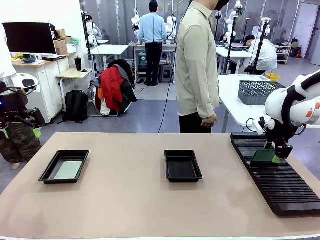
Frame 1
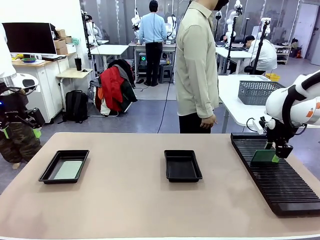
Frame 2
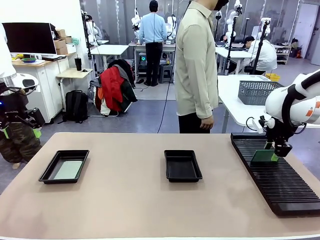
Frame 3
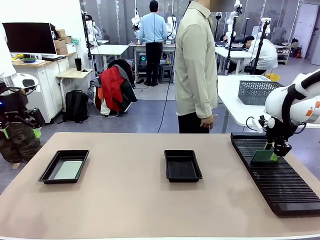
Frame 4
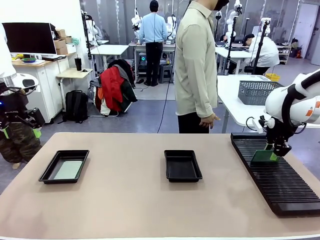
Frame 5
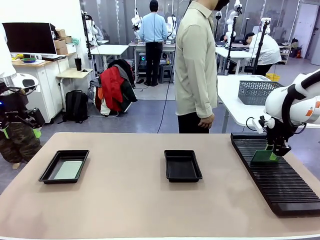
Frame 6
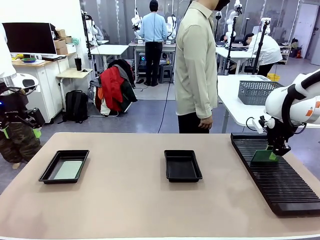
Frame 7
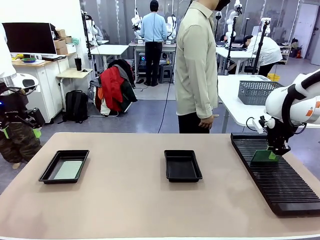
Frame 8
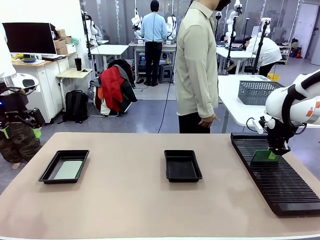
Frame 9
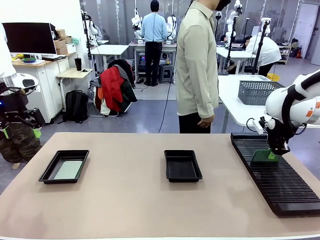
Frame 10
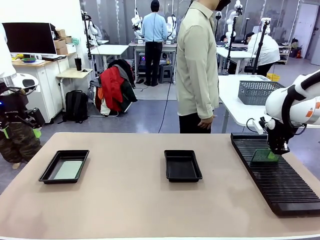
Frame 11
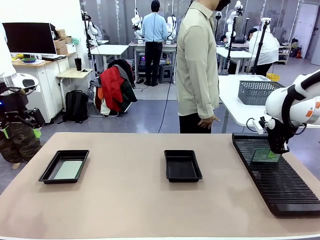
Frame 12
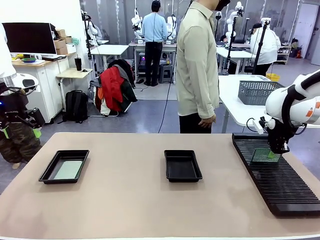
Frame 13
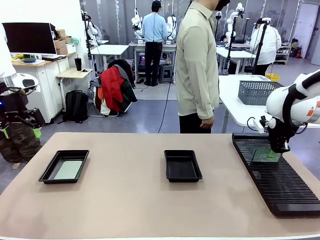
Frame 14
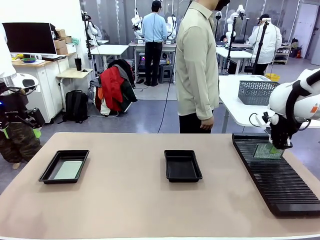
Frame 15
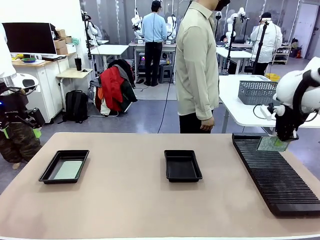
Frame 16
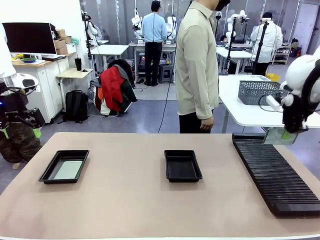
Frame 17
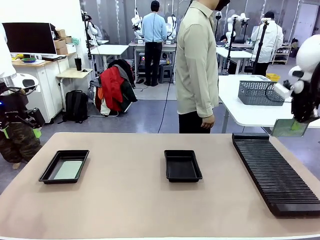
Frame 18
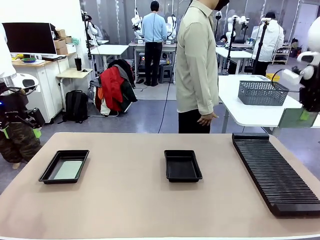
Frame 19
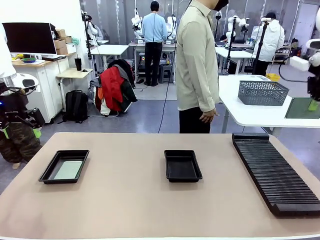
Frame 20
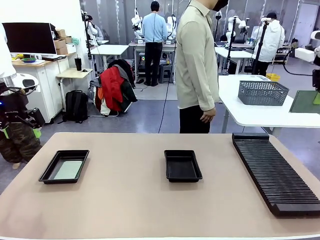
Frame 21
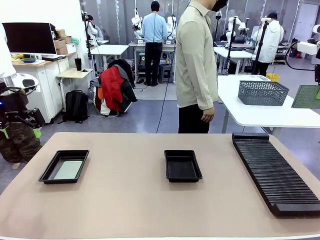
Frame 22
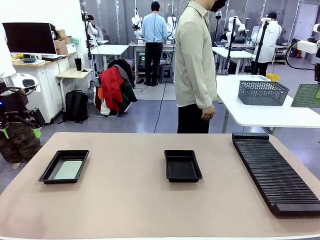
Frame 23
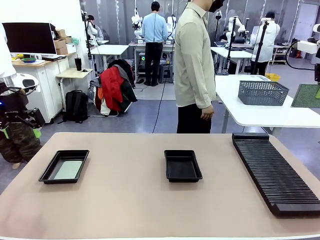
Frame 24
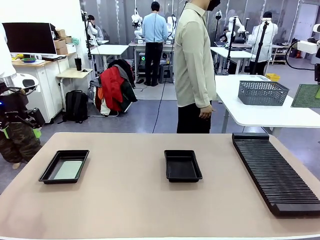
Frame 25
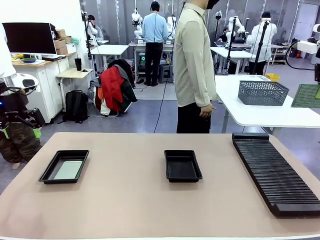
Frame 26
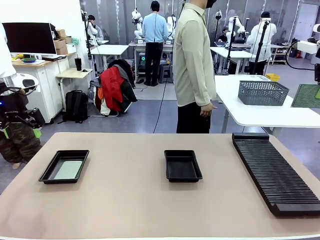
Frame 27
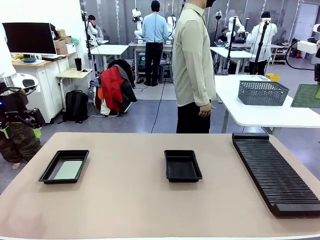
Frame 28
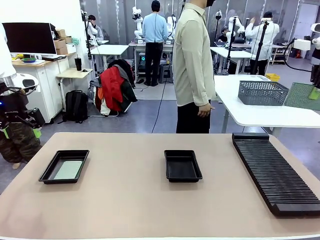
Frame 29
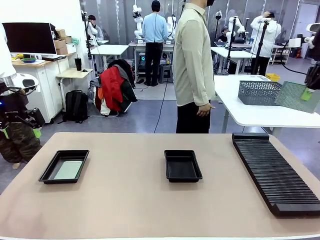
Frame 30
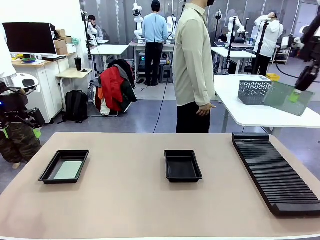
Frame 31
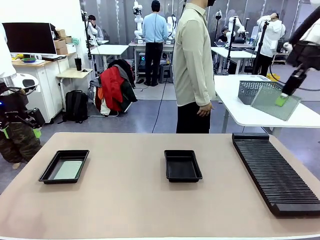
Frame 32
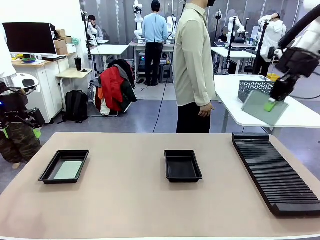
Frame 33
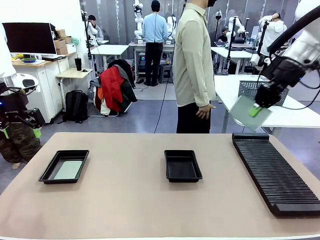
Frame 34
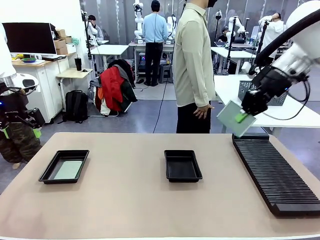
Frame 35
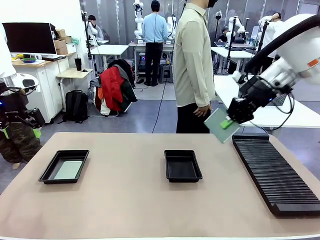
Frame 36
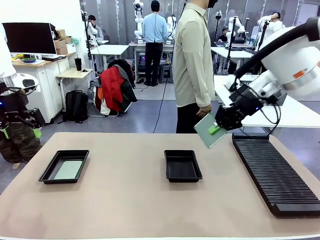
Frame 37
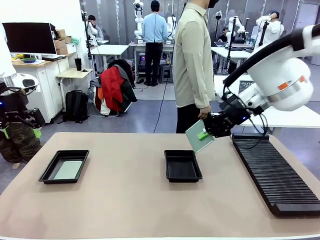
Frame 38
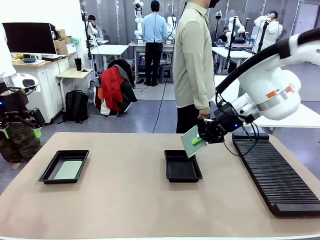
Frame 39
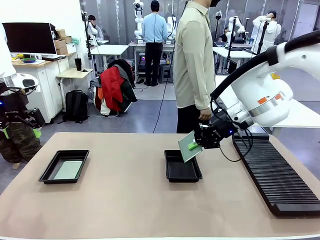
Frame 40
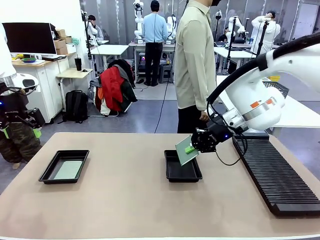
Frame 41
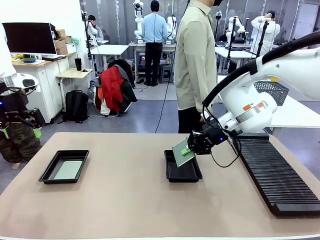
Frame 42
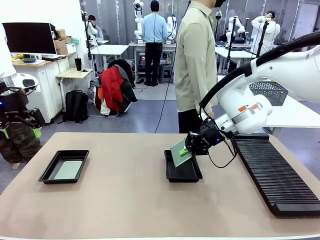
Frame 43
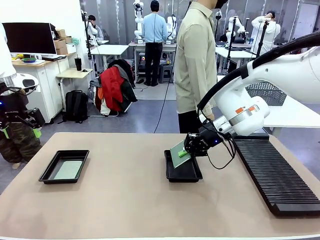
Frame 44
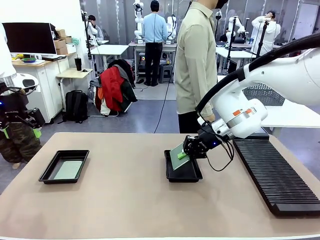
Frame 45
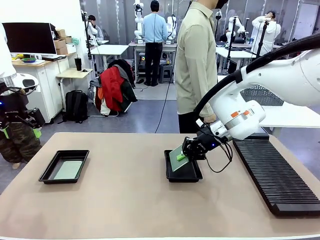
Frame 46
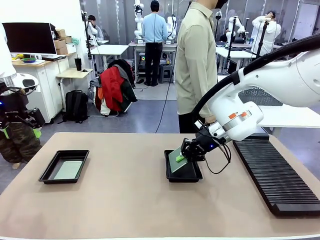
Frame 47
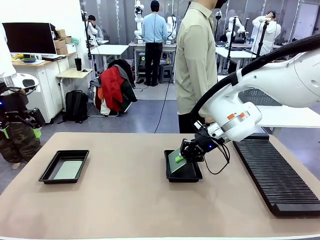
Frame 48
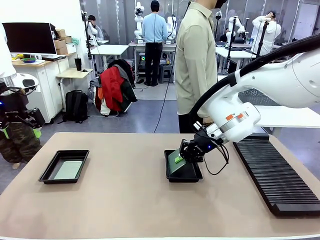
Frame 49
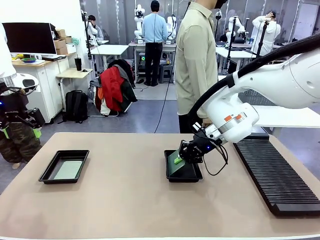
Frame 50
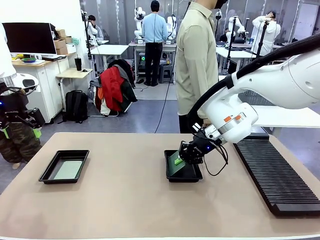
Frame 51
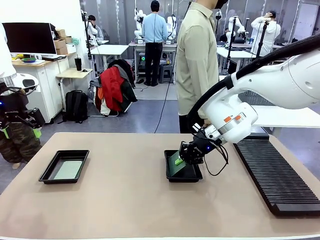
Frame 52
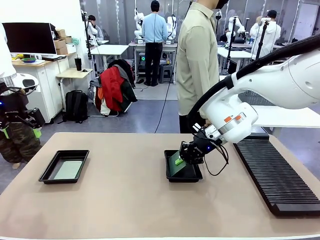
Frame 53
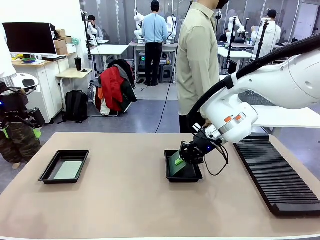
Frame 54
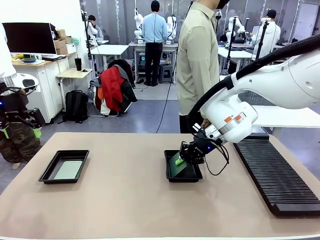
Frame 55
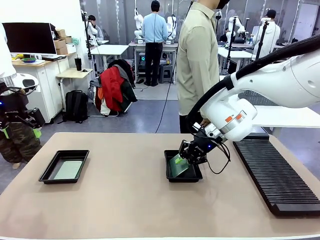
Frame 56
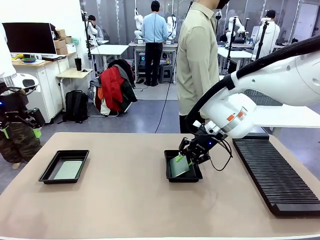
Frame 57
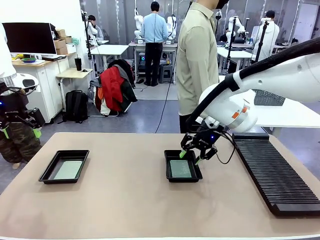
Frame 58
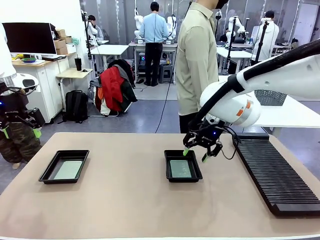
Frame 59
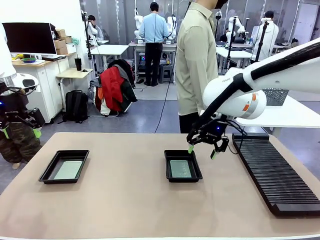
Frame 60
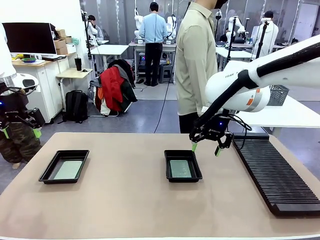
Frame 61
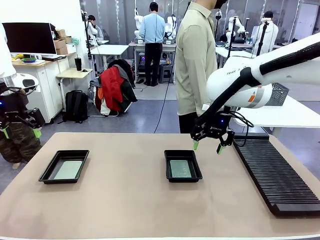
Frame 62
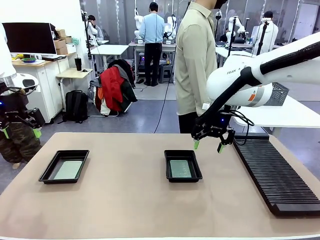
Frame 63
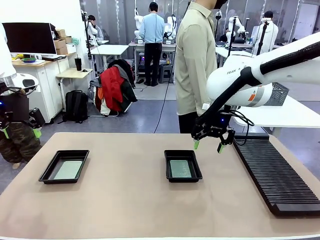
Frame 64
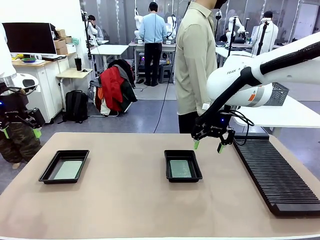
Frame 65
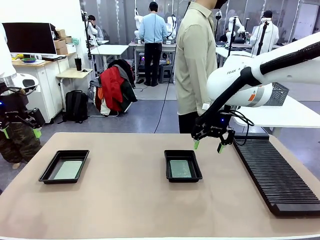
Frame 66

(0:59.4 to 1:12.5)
Task: Inspect and transfer BCBs to ESD trays.
Robot: Pick up the Blank PCB from the PCB Rack and place it in the right ESD tray.
